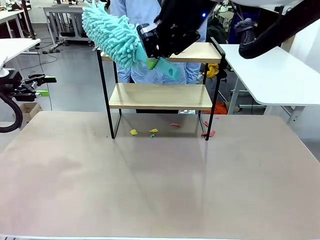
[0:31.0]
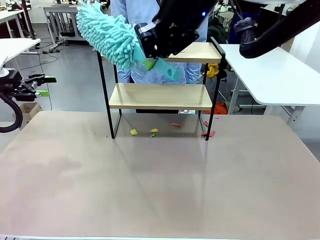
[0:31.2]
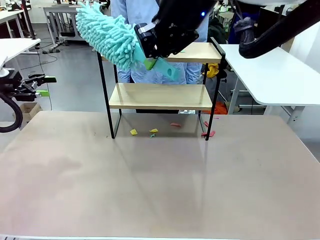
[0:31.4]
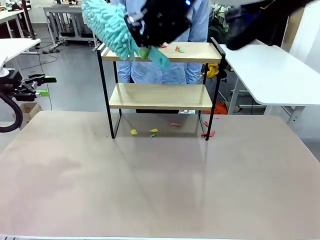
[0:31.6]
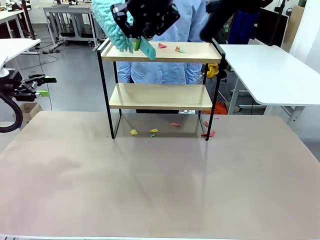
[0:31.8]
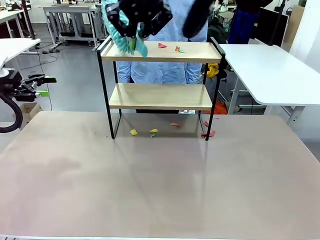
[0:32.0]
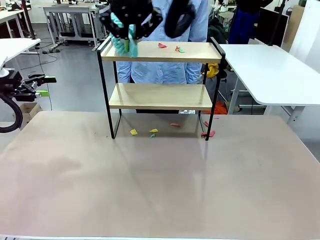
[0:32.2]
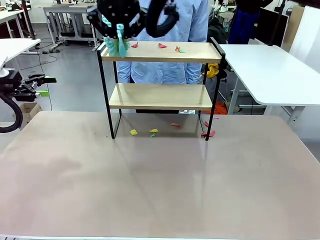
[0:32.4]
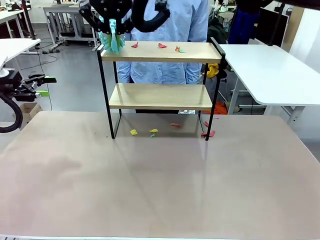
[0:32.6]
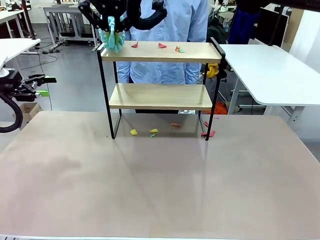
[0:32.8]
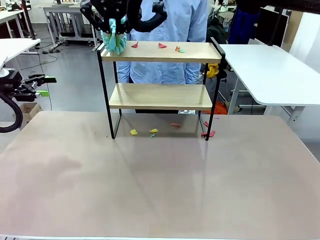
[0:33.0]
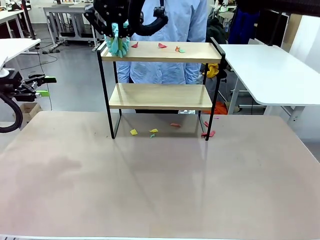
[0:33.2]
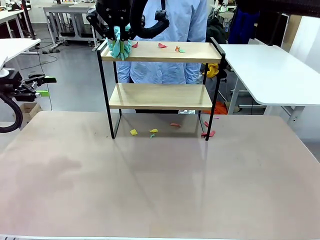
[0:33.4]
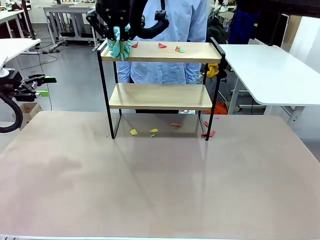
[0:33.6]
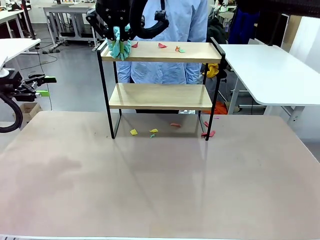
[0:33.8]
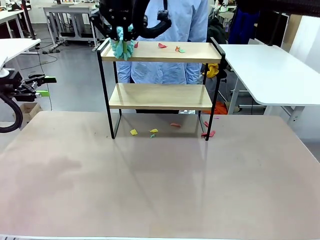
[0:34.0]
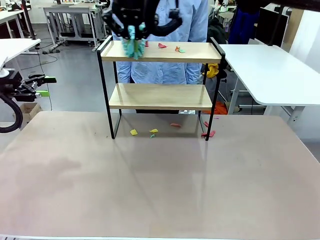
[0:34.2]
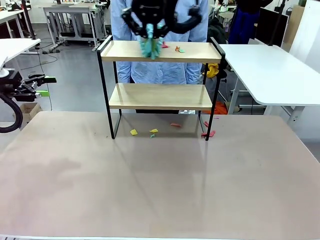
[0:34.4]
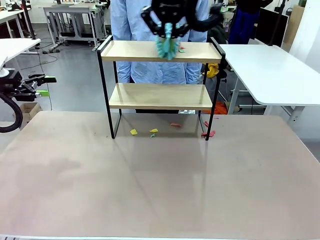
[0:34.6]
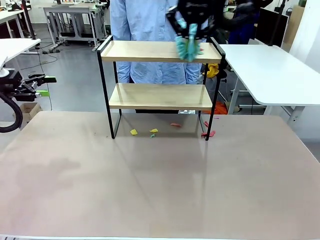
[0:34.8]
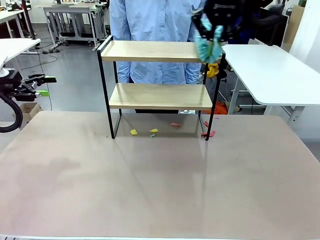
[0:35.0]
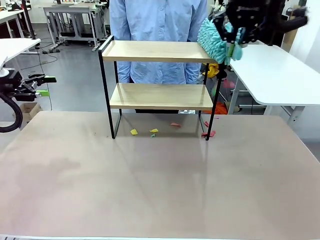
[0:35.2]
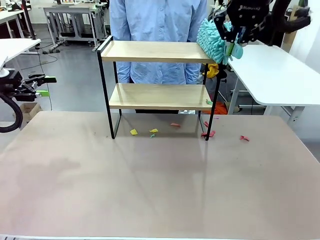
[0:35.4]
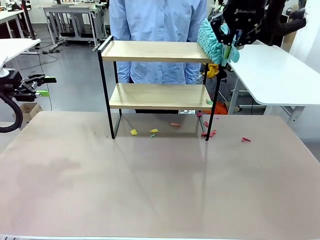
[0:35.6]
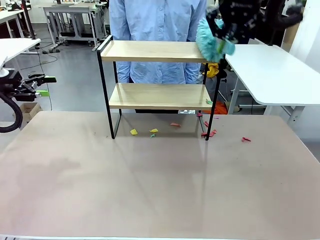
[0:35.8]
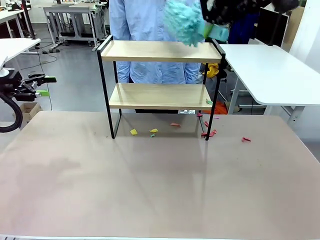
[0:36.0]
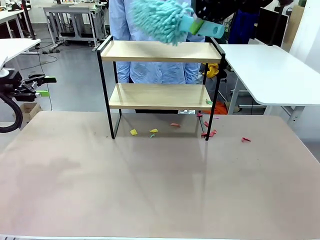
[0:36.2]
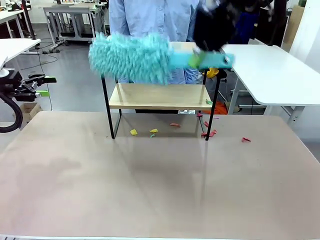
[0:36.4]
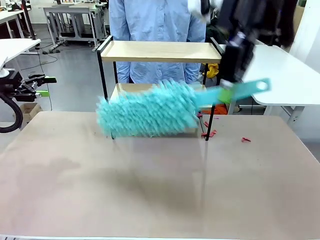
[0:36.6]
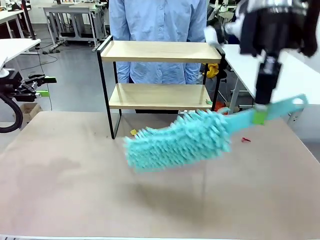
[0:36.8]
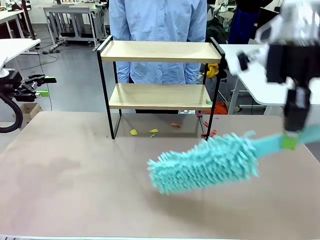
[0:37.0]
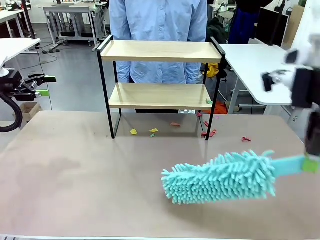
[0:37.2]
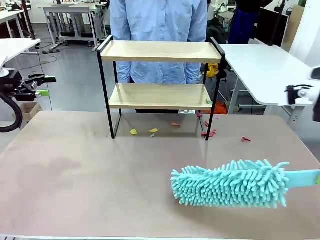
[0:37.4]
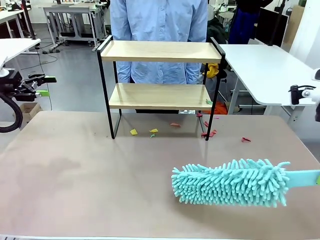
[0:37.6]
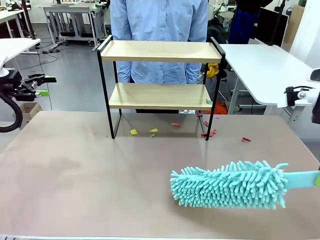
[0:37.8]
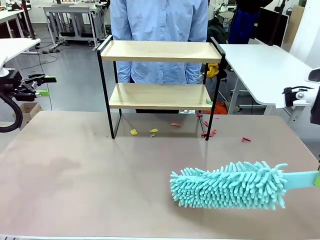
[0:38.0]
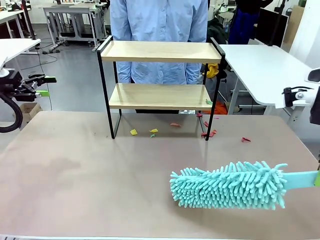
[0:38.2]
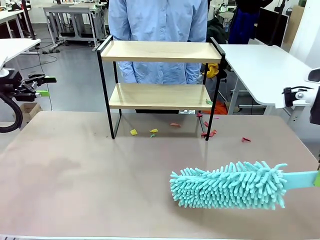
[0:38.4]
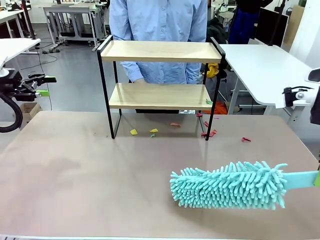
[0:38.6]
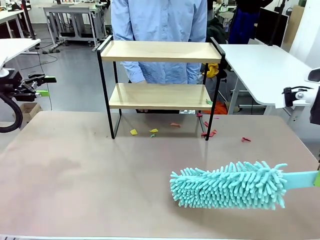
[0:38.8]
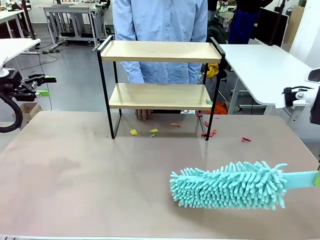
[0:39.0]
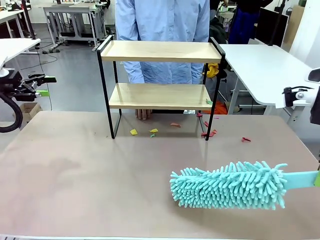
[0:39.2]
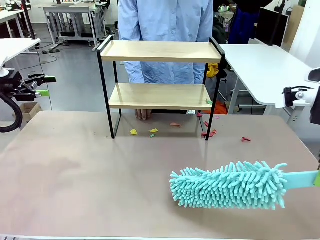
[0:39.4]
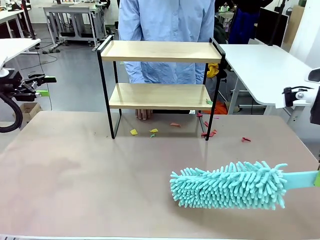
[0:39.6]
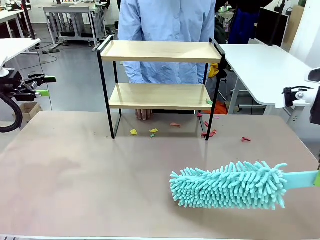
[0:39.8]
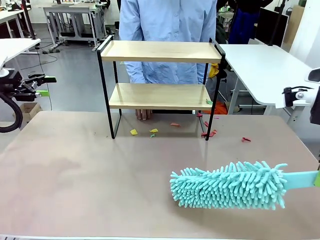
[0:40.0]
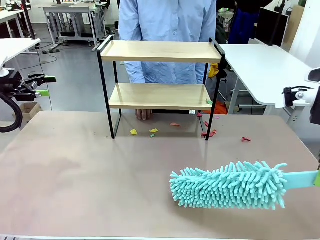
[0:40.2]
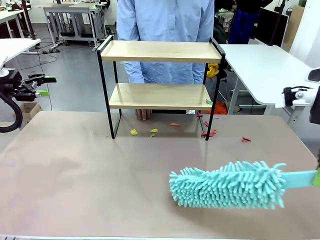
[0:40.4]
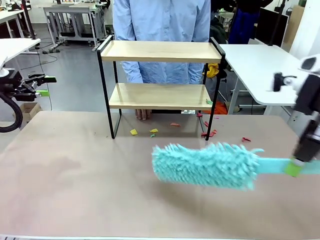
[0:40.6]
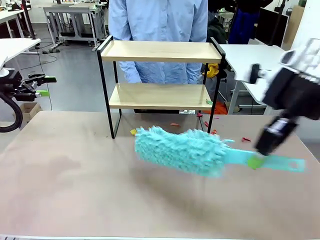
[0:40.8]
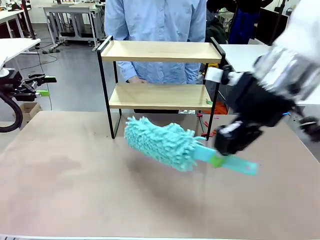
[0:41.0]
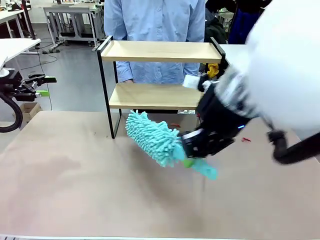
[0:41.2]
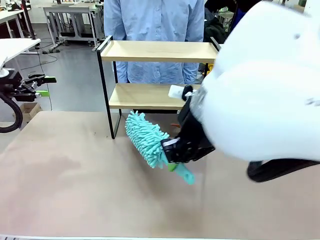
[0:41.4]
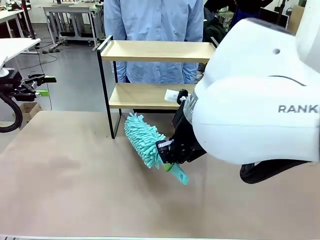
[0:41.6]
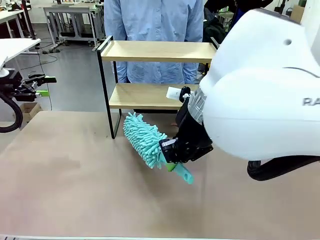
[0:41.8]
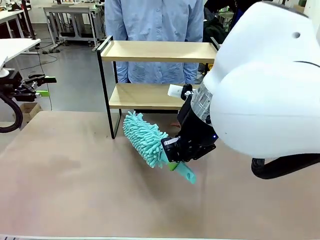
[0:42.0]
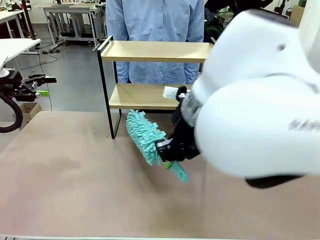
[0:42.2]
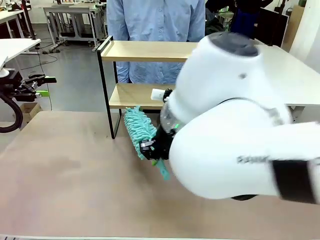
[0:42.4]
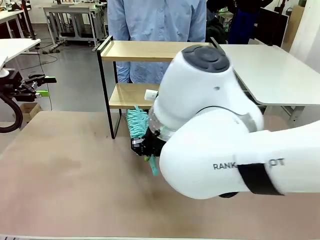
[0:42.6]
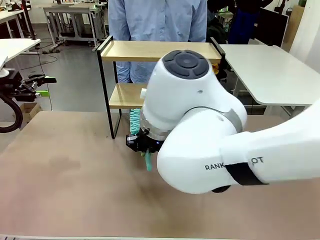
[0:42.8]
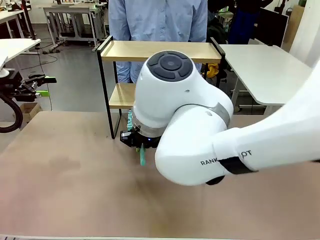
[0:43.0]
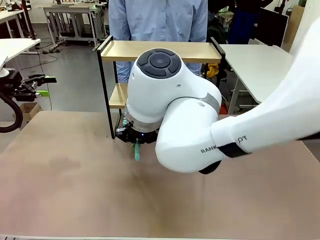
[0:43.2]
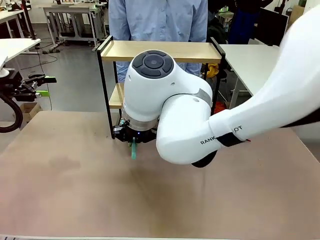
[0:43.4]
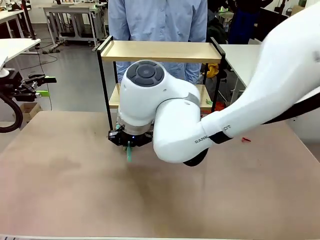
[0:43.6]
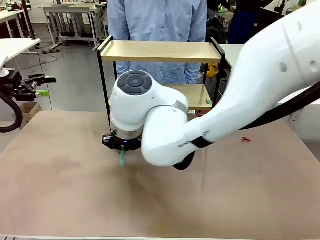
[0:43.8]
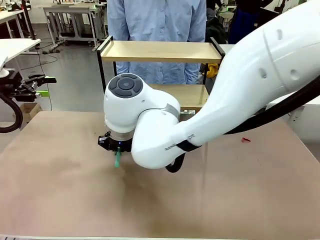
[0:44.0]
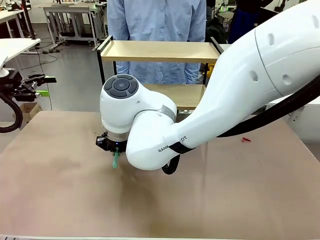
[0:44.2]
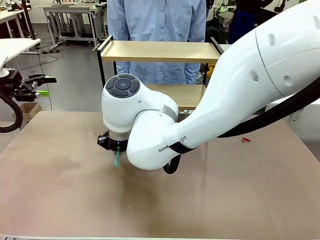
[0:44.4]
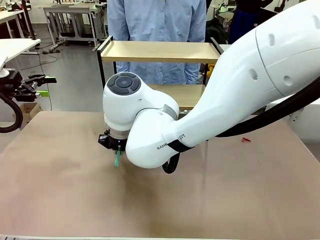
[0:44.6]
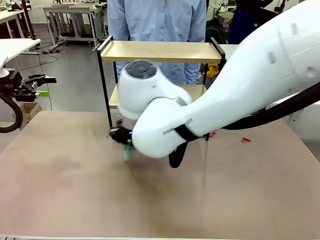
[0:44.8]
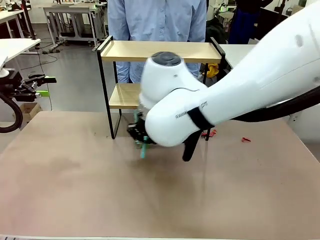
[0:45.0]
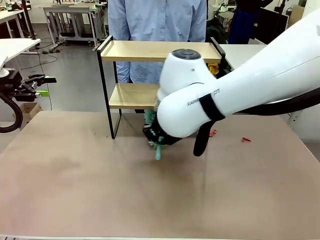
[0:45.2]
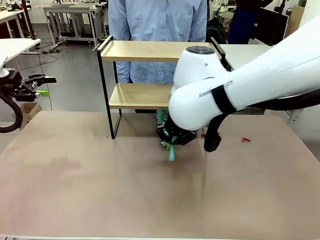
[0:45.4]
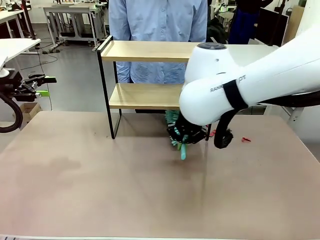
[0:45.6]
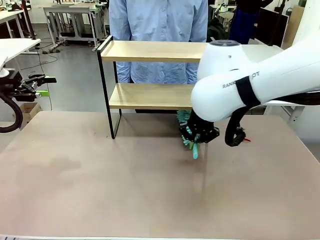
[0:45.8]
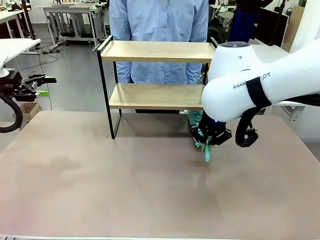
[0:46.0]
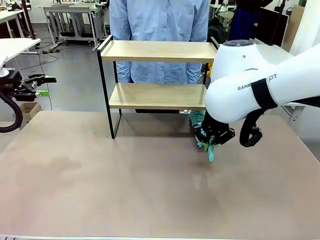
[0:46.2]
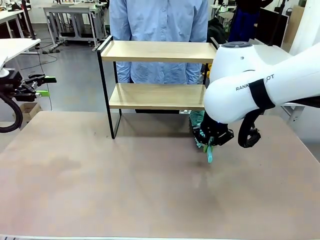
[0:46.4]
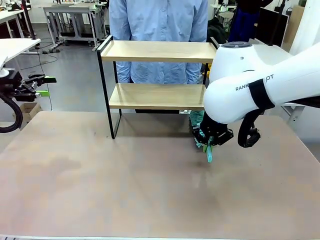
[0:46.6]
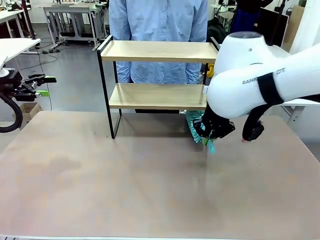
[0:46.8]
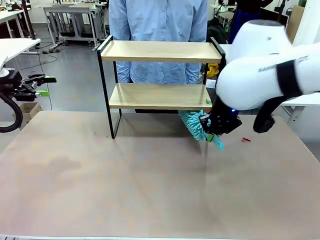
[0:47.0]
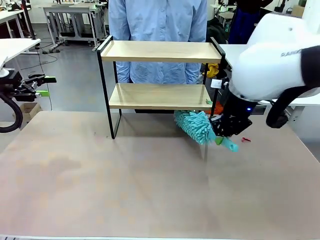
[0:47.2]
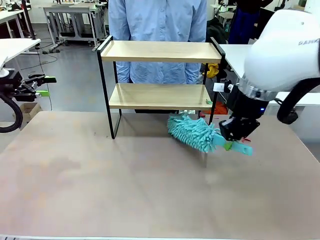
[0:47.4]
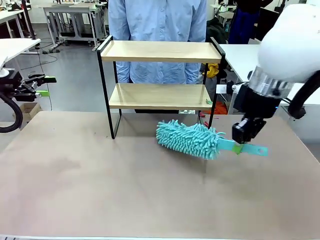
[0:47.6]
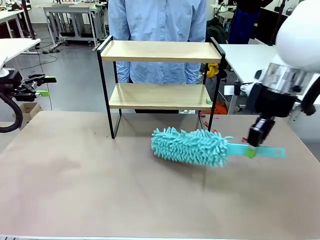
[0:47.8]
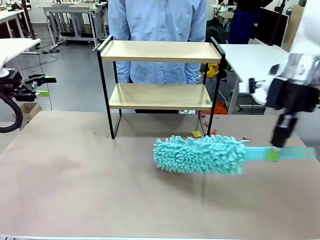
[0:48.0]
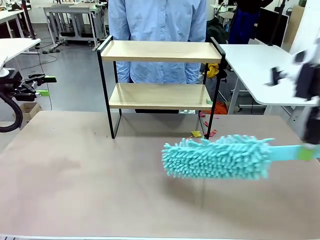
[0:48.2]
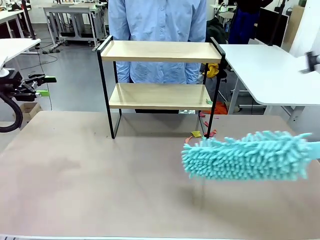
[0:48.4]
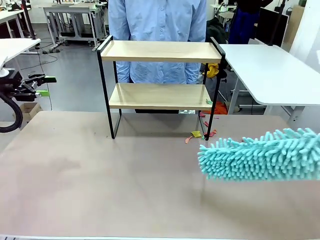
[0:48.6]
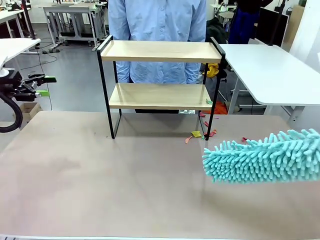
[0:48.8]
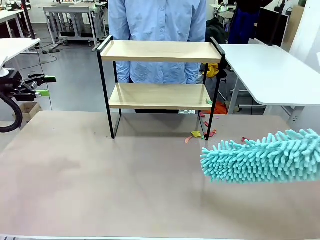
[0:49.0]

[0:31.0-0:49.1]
Task: Clean the shelf.
Robot: Clean the specific section of the Shelf indicated by the human with the Duster.
Person: Point a remaining section of the Shelf.
